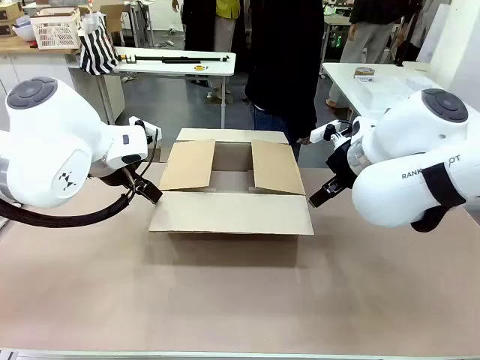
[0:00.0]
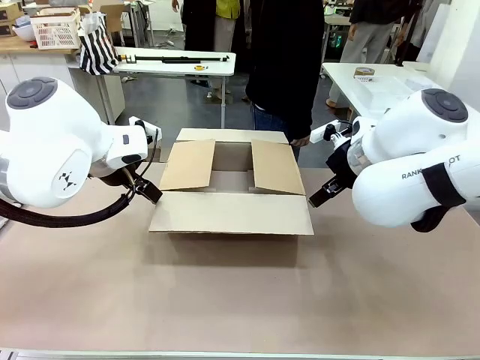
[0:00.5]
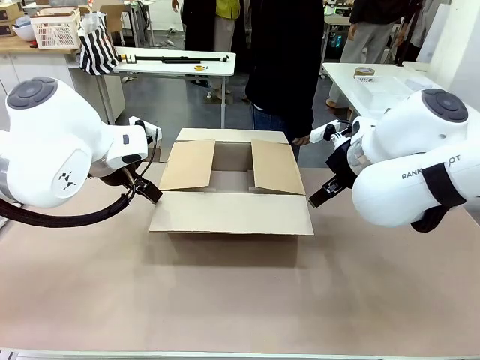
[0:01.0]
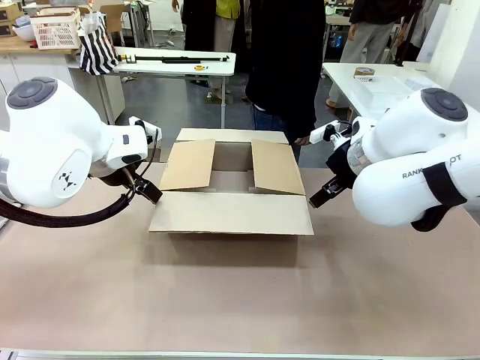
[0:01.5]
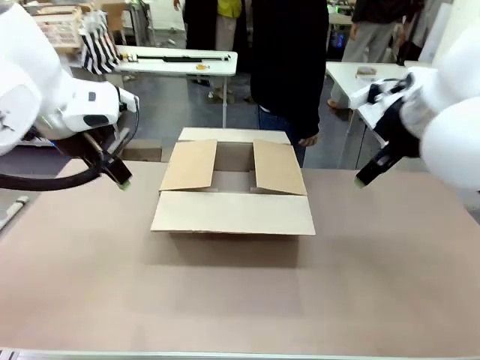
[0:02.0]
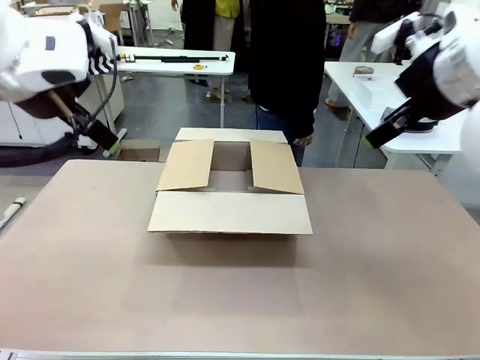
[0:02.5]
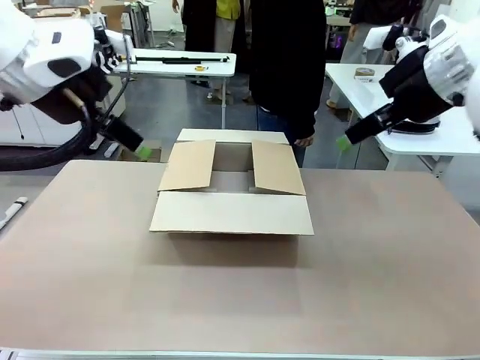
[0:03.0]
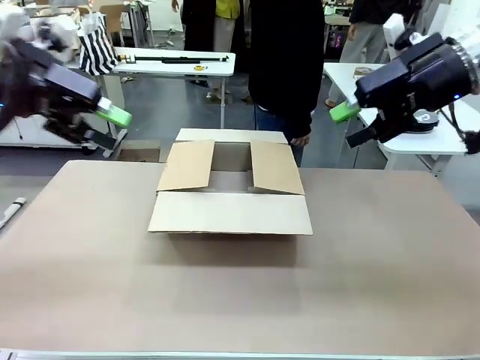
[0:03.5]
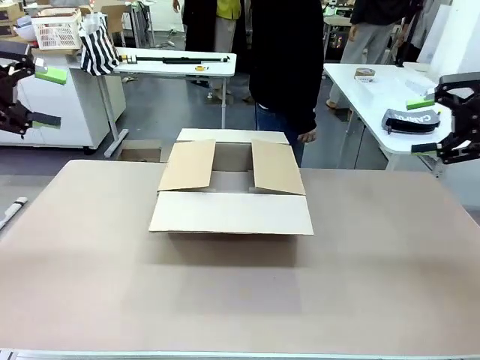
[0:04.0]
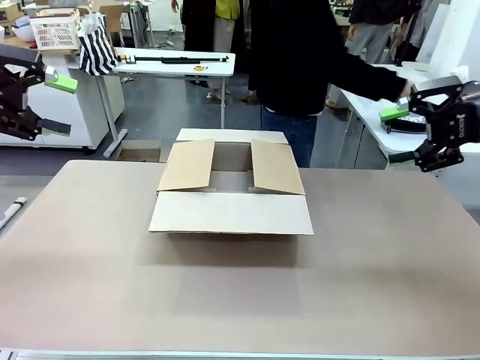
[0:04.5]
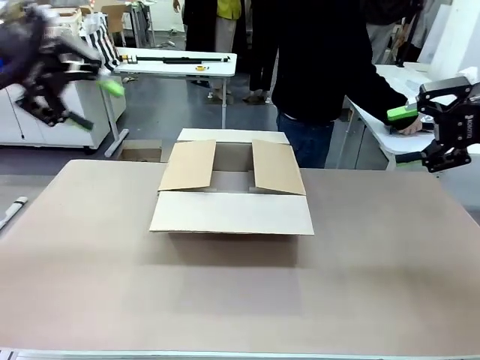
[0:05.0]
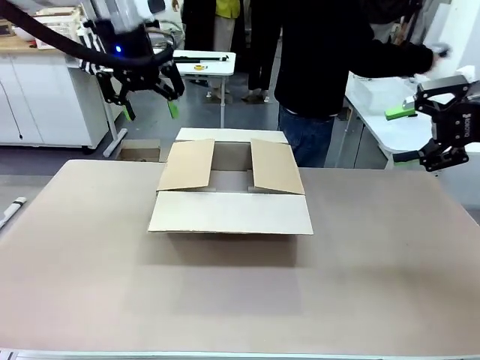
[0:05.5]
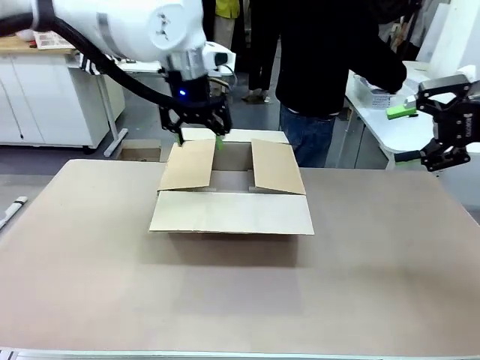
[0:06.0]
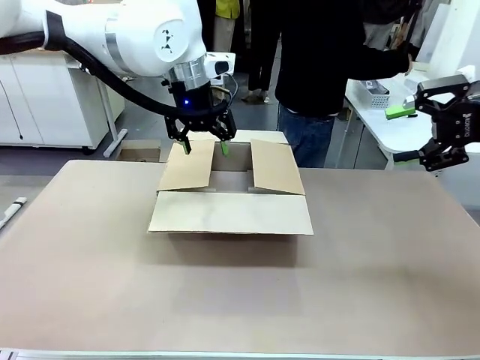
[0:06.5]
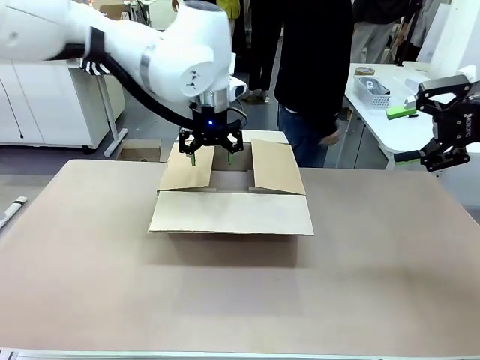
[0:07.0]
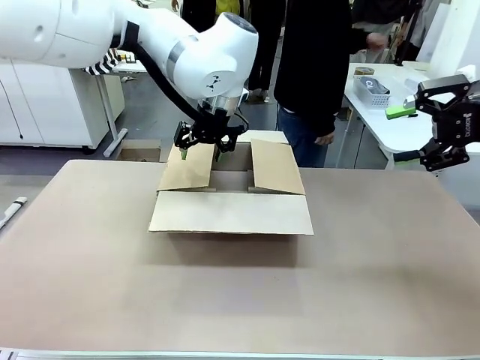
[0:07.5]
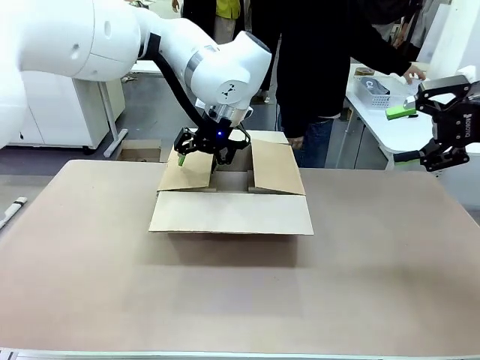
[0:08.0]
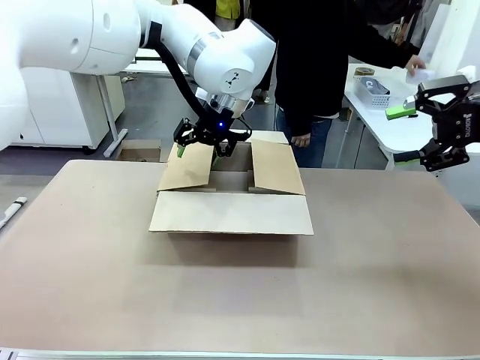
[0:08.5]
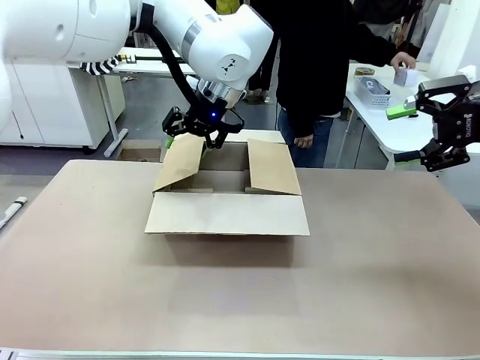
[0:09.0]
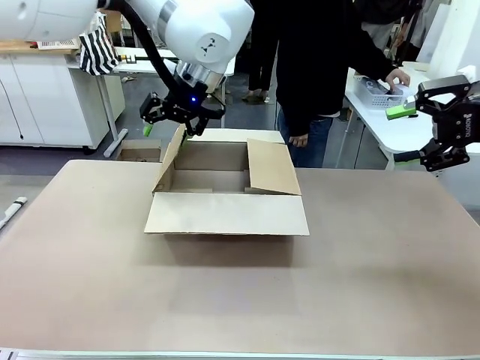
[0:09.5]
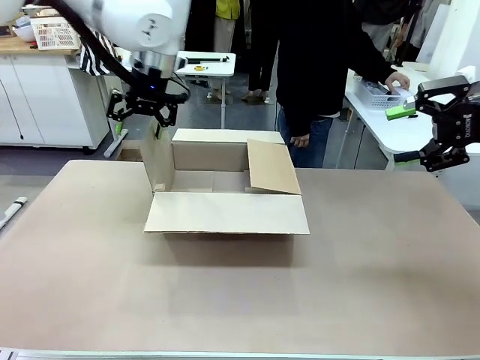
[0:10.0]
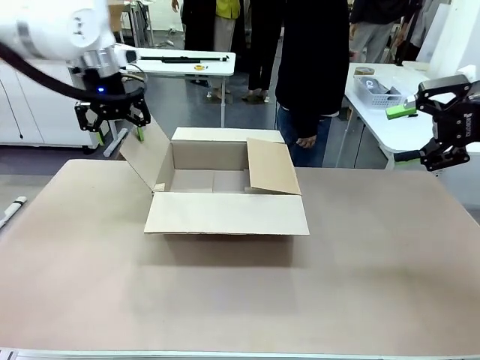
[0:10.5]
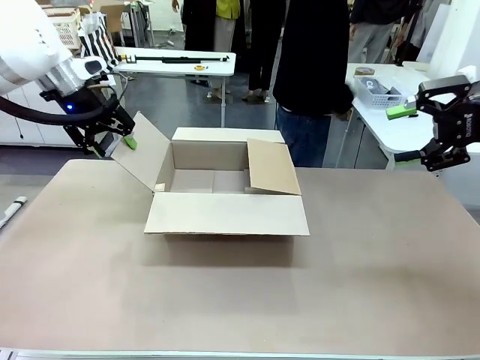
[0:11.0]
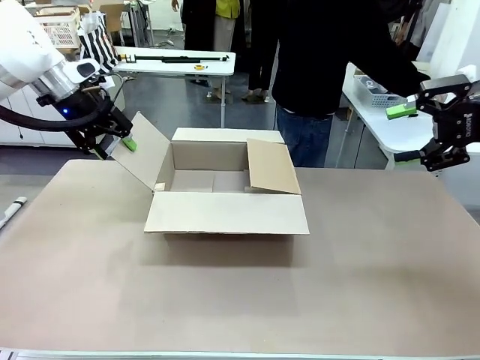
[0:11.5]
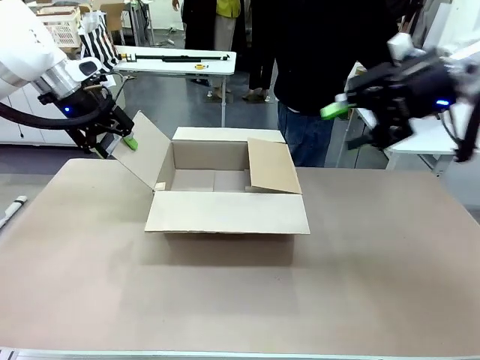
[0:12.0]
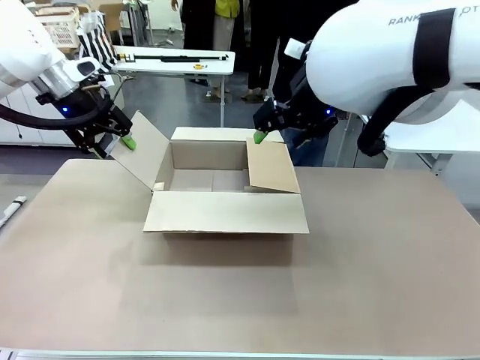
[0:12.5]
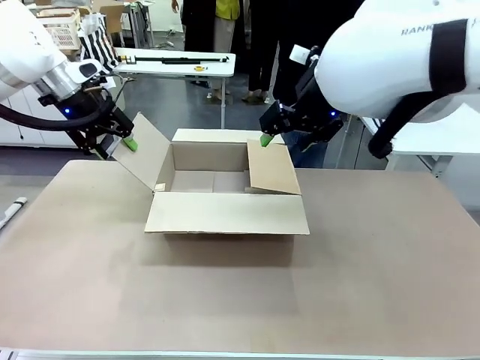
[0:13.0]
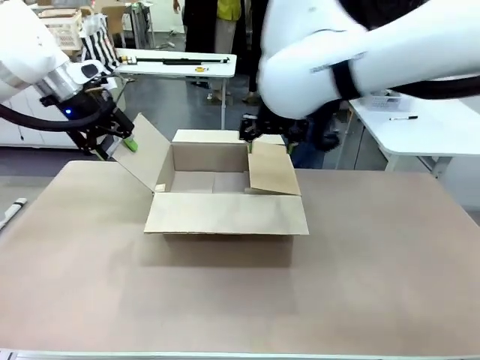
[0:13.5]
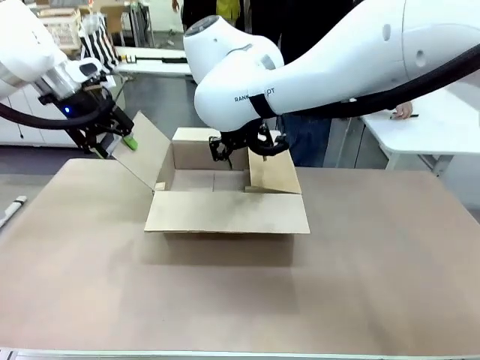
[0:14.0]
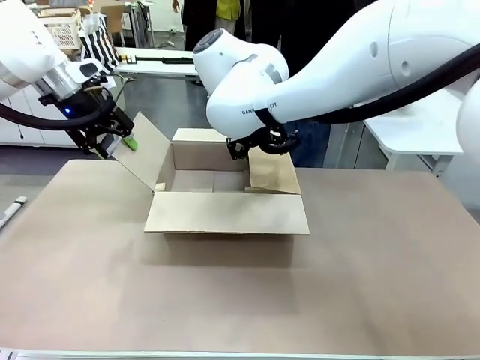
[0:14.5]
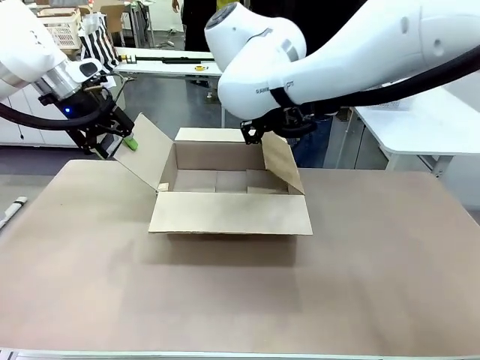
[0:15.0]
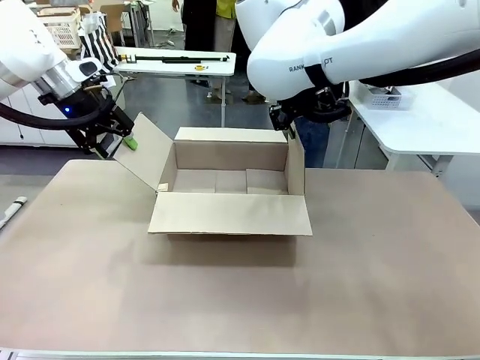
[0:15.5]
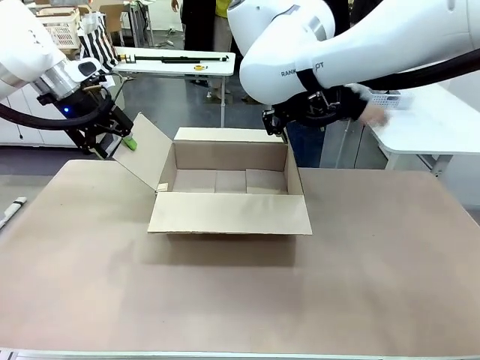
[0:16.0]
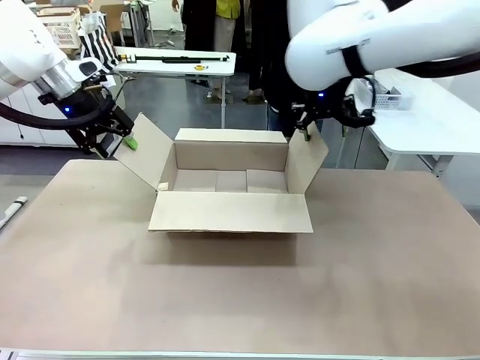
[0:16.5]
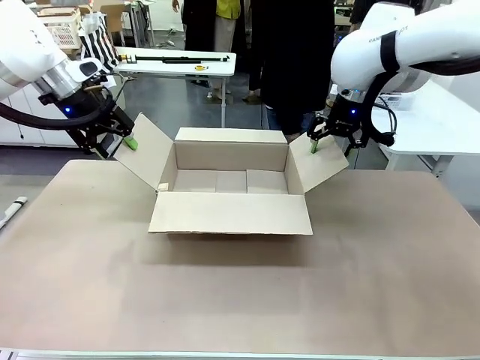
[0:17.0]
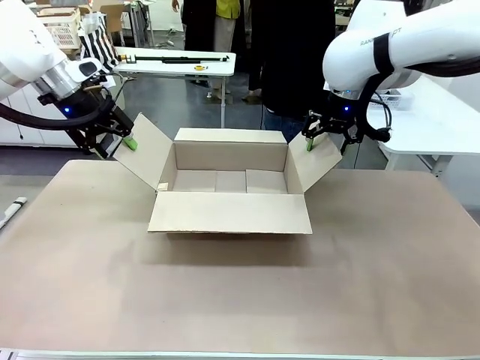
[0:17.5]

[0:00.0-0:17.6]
Task: Pack the gift set into the box.
Robot: Place both hands on the side flaps of the Package Box and spread them outward.
Person: The human places all items except the paper tape into the organizing basket.

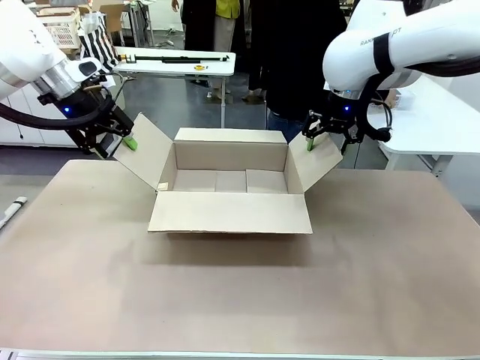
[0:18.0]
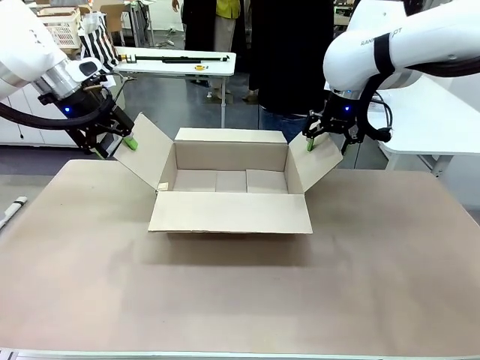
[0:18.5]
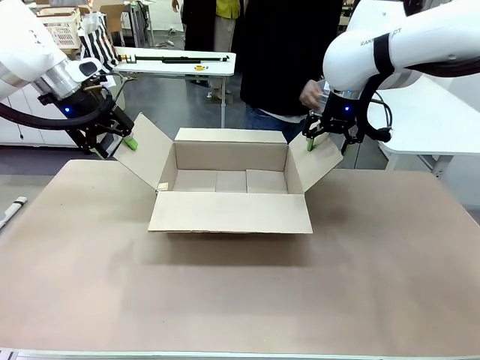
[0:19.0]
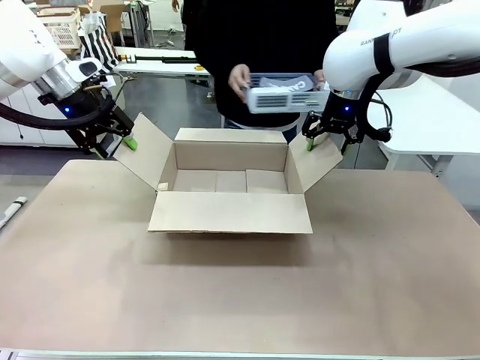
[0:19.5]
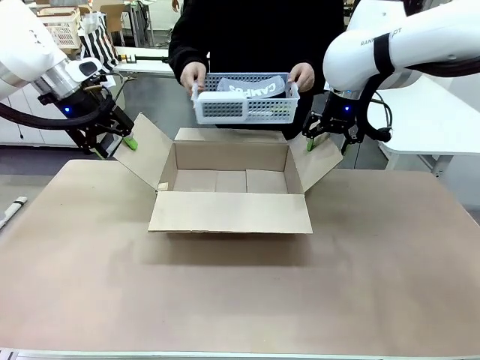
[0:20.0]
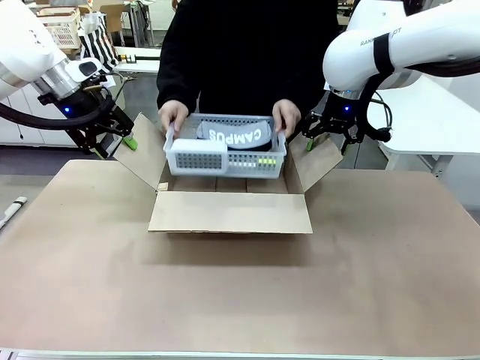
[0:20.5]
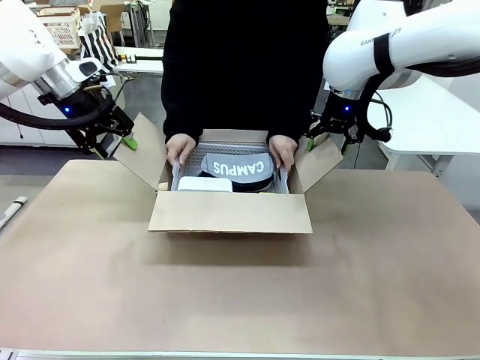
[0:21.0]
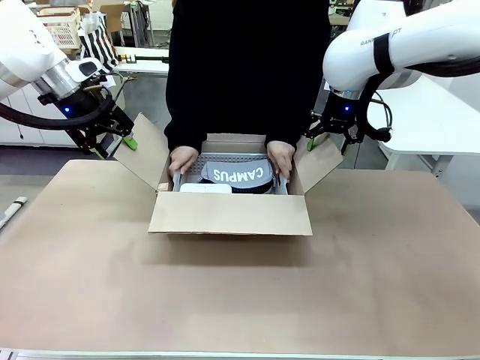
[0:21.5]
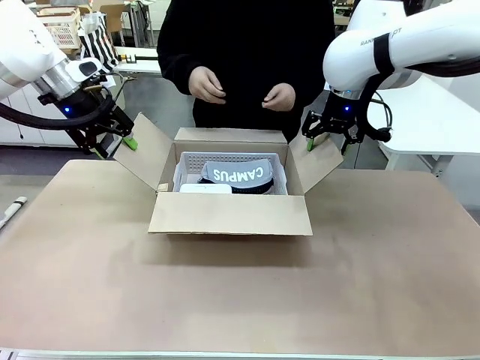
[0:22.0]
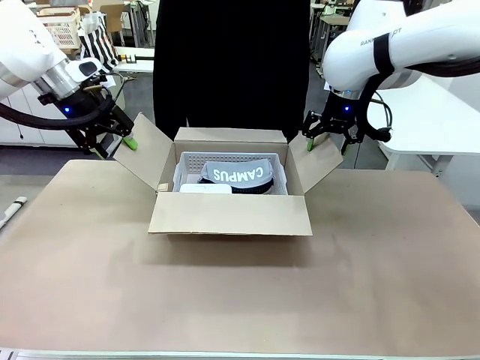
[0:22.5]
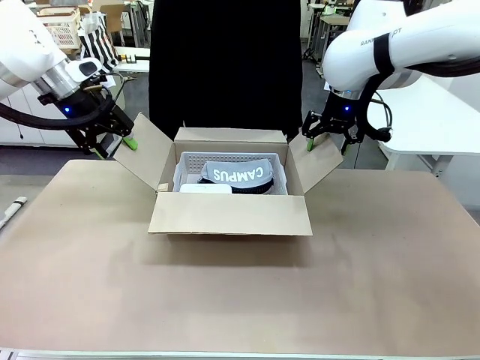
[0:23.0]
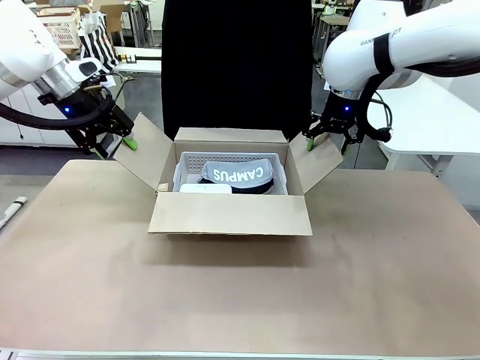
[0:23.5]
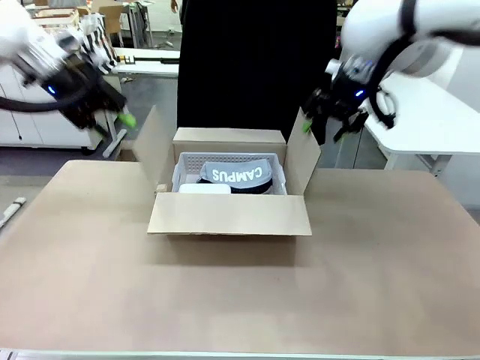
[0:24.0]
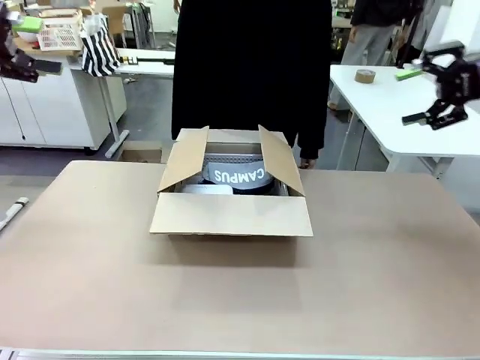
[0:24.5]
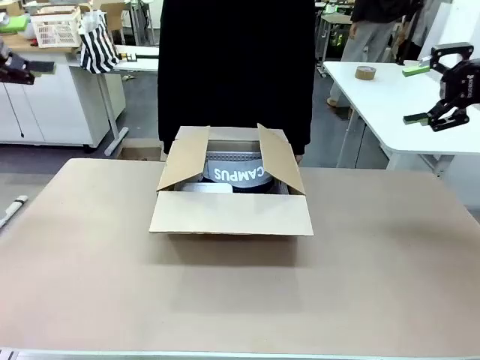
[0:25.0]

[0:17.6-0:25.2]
Robot: Lift both hands away from the flaps of the Package Box.
Person: The human picks up the organizing basket and places the organizing basket into the package box on the robot table.
